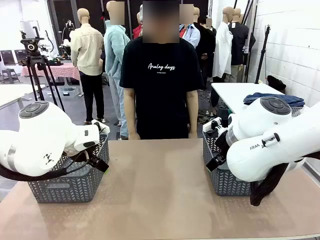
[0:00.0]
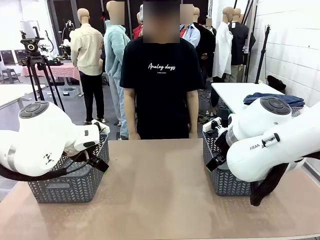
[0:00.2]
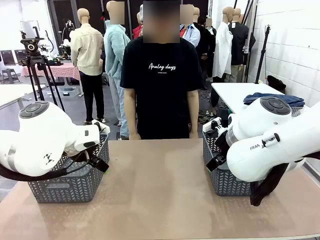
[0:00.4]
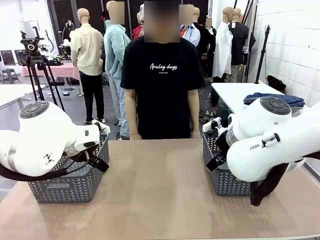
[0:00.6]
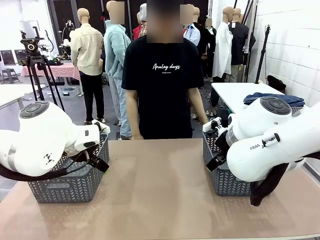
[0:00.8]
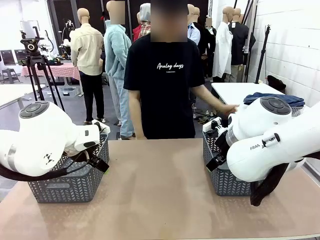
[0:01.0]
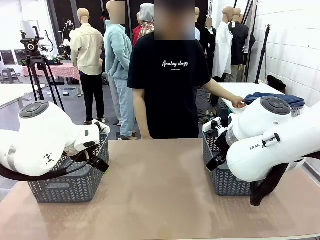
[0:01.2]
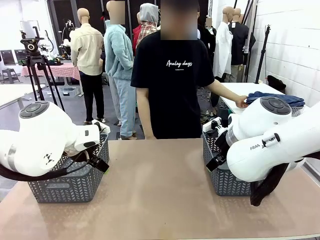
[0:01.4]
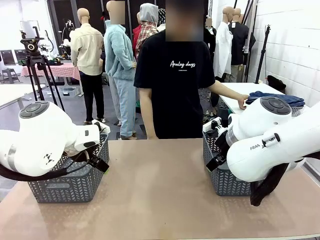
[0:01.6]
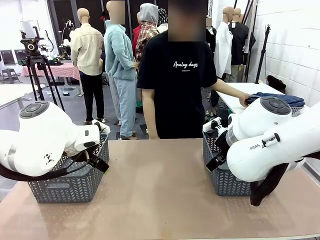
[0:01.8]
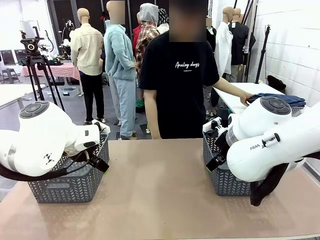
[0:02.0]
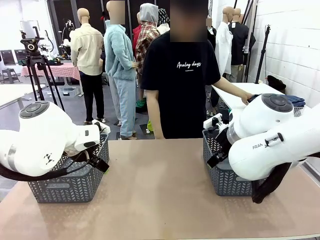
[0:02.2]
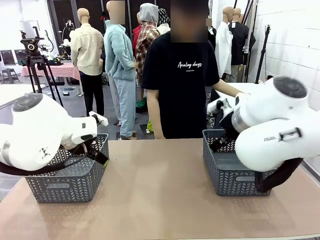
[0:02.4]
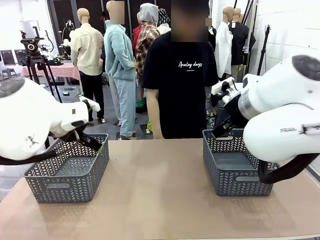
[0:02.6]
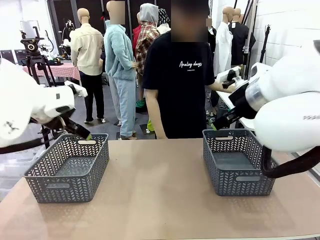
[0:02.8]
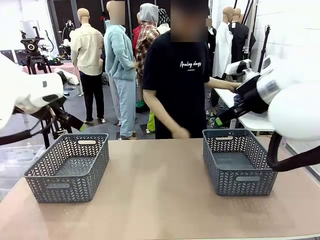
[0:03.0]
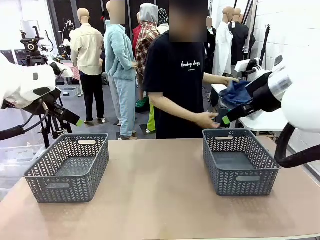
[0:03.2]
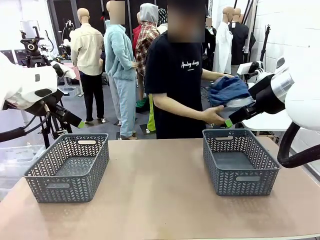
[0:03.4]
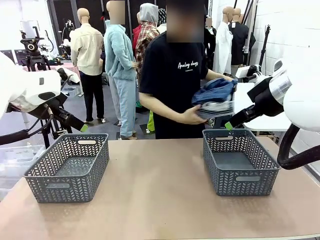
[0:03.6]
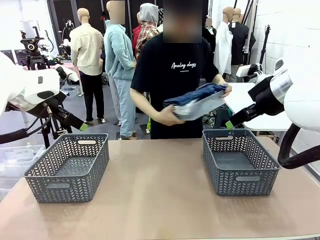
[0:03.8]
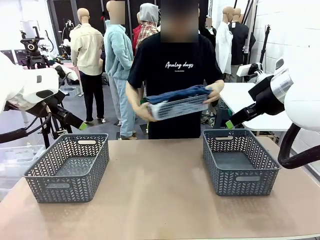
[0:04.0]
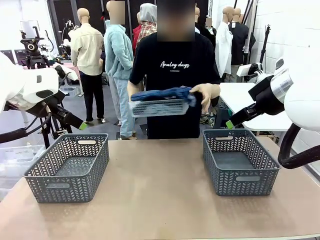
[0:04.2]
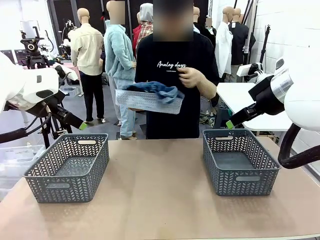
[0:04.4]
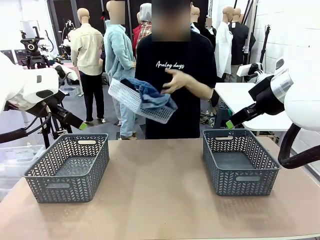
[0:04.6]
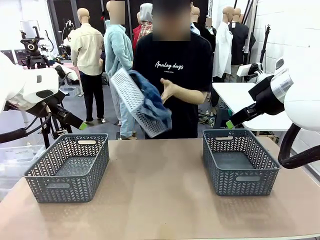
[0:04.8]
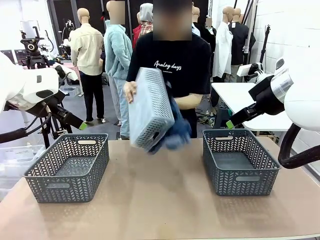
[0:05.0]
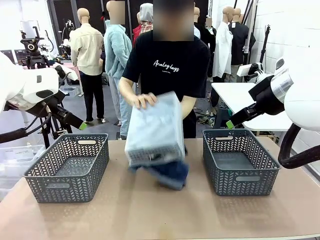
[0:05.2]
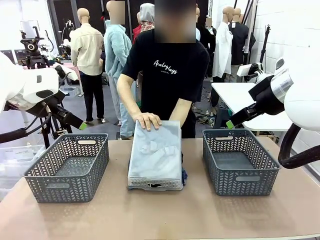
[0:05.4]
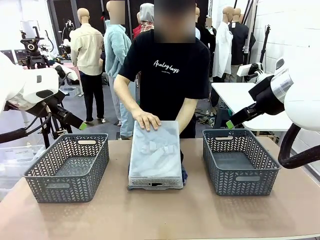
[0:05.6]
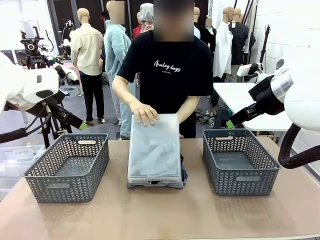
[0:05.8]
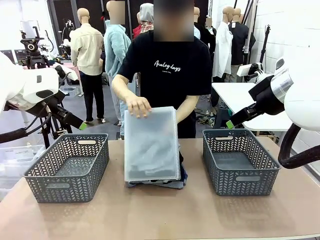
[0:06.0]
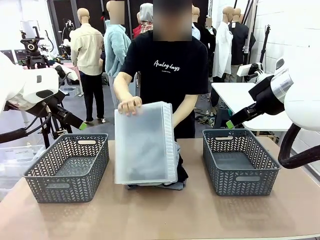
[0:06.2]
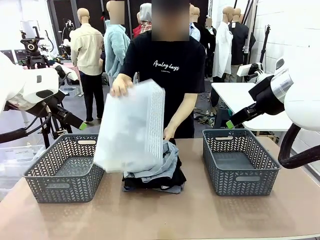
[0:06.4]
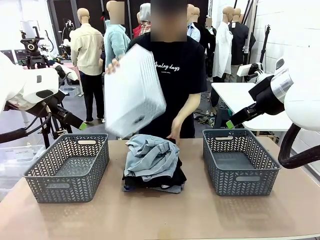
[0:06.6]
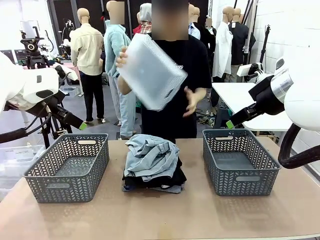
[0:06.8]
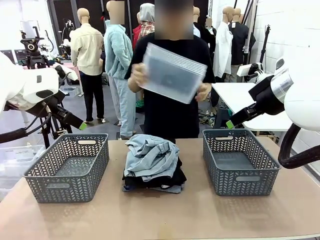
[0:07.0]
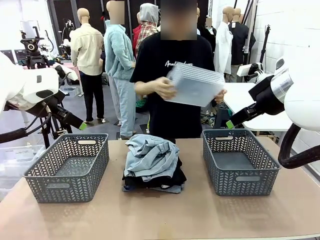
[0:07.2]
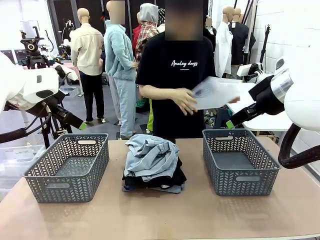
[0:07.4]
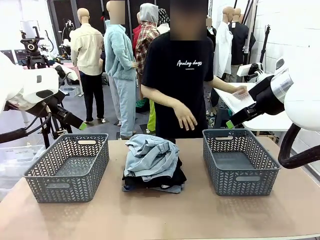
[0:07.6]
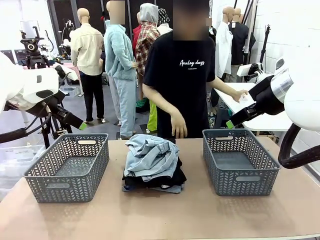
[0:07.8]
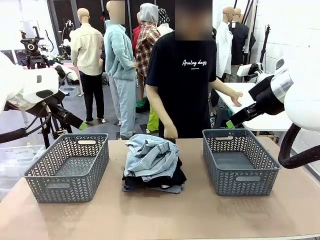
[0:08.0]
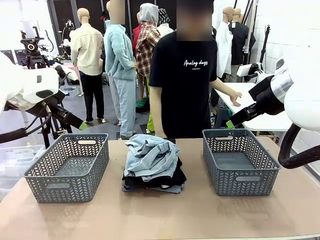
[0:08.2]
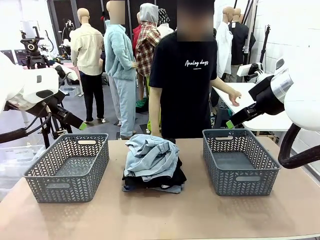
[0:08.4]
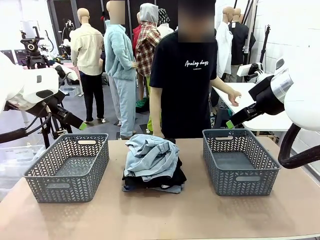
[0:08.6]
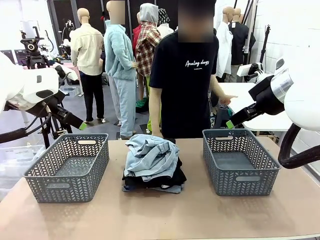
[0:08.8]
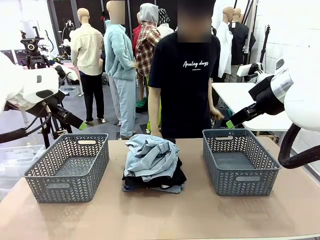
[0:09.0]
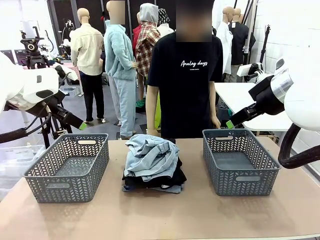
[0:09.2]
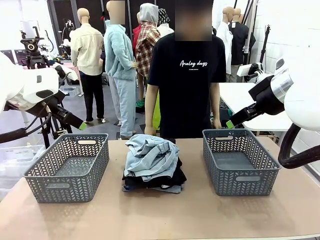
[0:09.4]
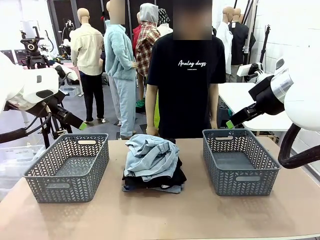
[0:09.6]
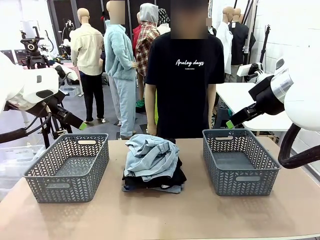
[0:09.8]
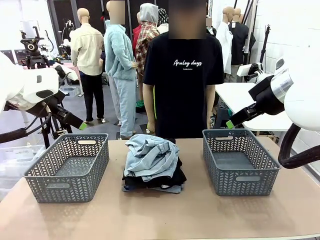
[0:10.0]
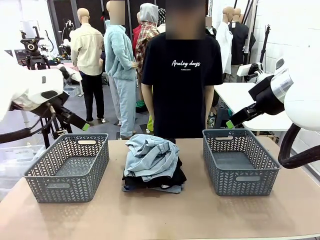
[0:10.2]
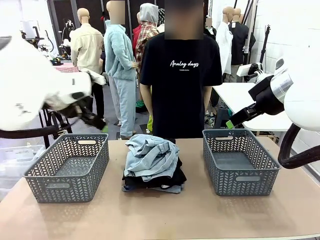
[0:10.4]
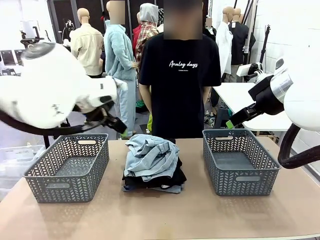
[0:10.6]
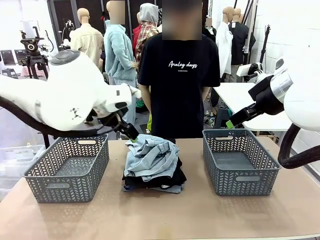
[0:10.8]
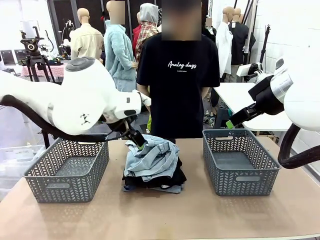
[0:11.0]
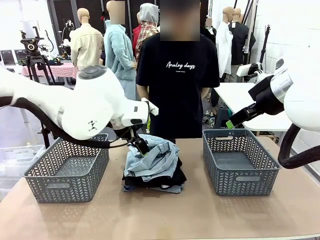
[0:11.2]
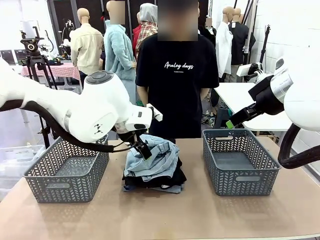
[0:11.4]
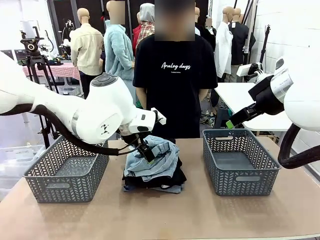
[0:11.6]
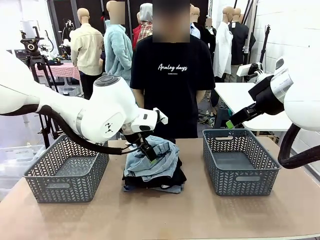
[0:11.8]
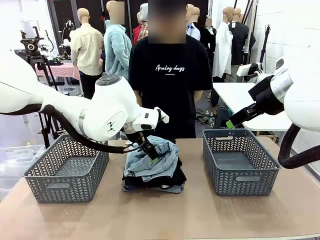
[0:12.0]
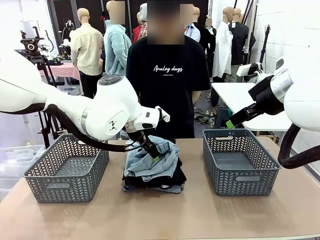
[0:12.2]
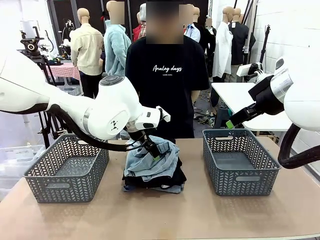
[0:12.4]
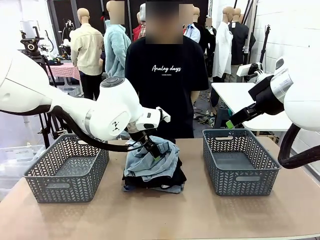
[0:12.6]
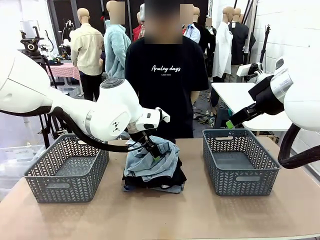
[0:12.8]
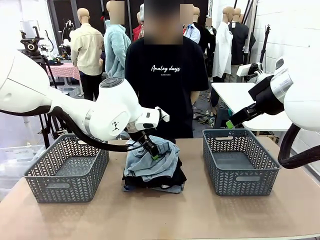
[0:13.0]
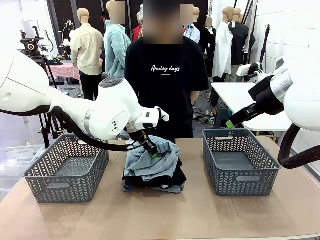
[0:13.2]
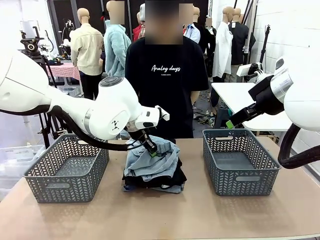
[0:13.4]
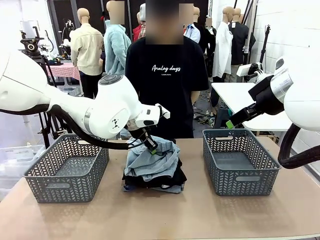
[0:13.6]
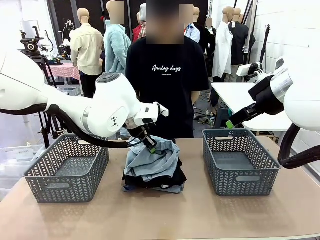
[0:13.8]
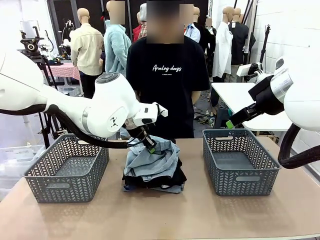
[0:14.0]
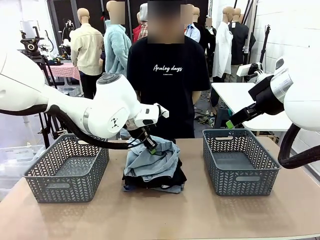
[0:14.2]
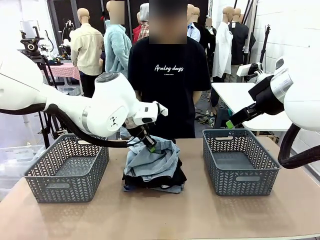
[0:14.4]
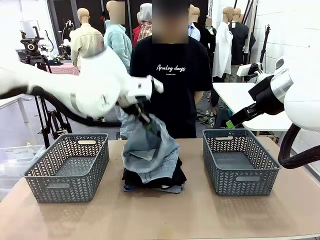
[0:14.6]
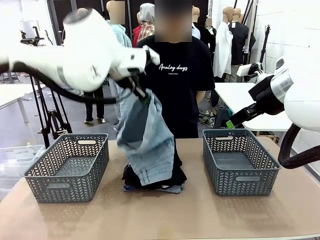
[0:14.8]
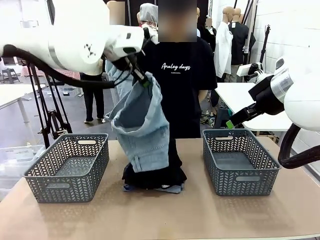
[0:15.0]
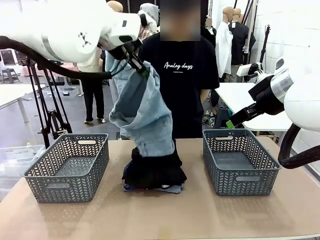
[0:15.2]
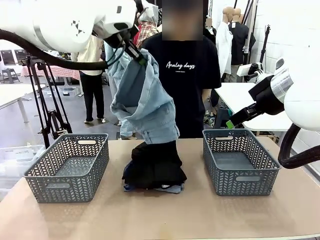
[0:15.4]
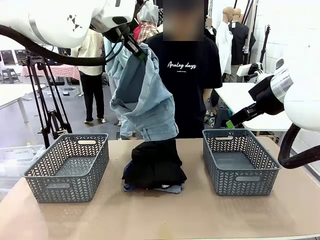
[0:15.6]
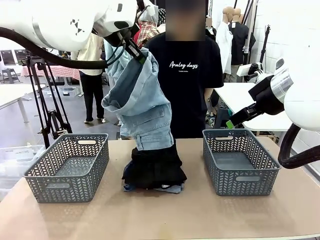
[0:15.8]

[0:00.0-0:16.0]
Task: Sort the tops and bottoms.
Robot: Lift clothes from the center of the table with your left hand.
Person: Pour the clothes from the basket onto the center of the robot table.
